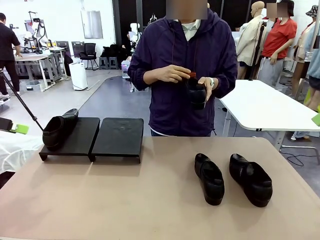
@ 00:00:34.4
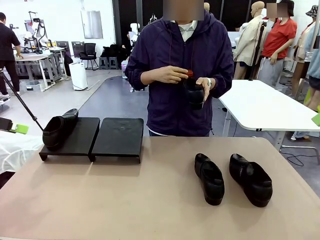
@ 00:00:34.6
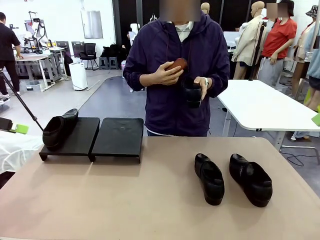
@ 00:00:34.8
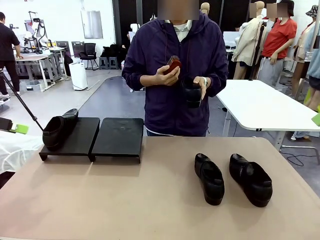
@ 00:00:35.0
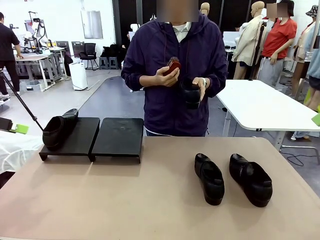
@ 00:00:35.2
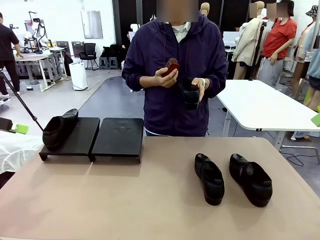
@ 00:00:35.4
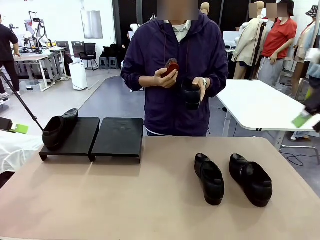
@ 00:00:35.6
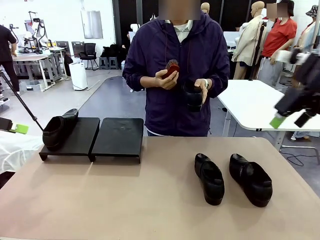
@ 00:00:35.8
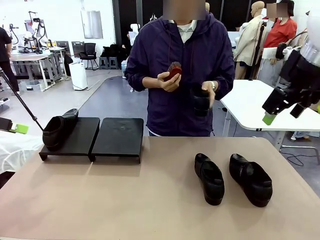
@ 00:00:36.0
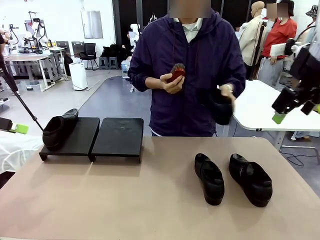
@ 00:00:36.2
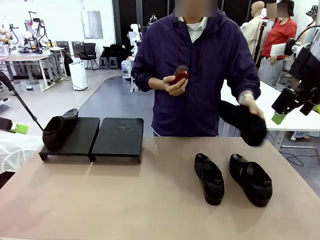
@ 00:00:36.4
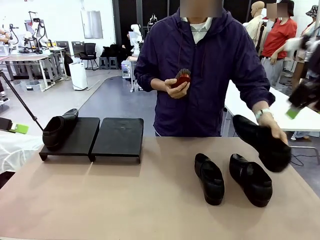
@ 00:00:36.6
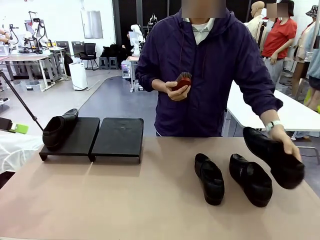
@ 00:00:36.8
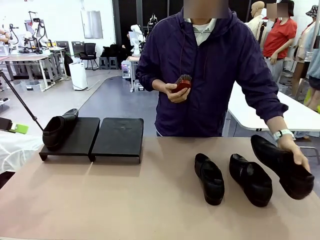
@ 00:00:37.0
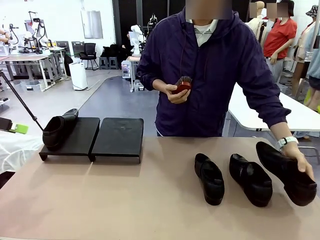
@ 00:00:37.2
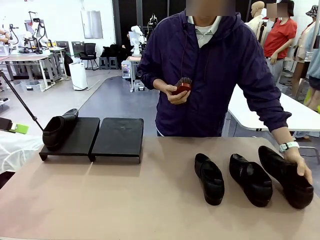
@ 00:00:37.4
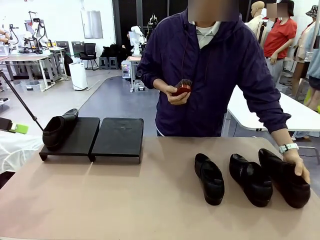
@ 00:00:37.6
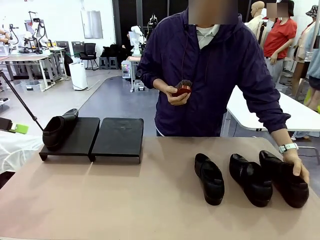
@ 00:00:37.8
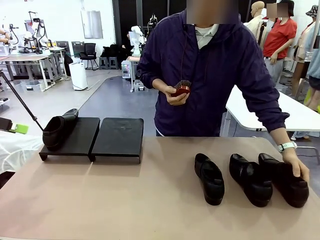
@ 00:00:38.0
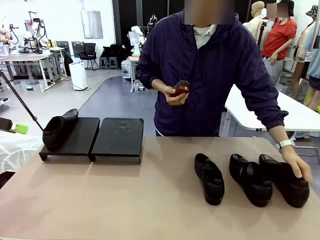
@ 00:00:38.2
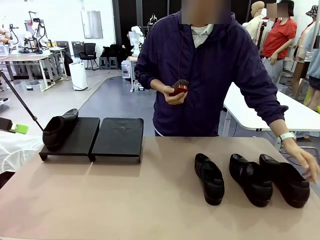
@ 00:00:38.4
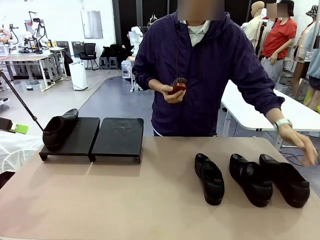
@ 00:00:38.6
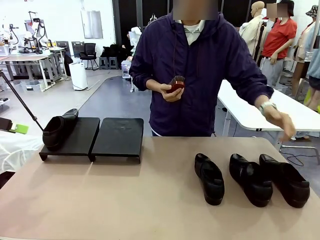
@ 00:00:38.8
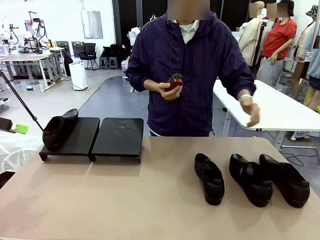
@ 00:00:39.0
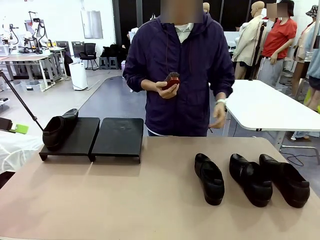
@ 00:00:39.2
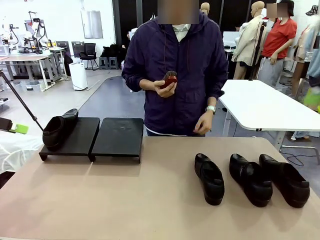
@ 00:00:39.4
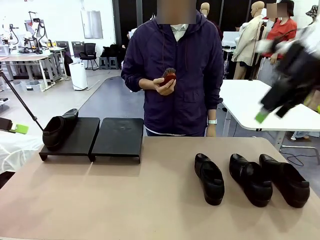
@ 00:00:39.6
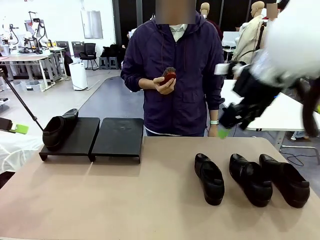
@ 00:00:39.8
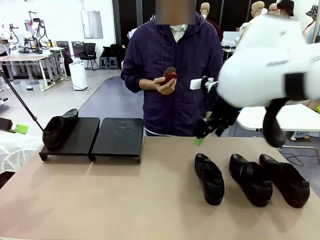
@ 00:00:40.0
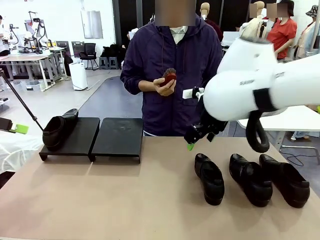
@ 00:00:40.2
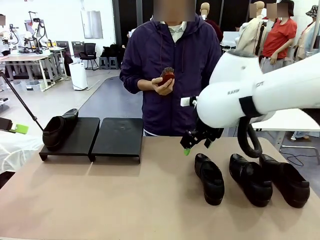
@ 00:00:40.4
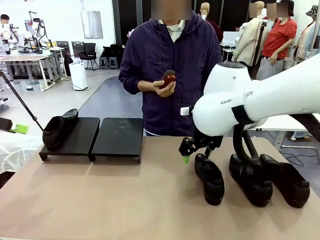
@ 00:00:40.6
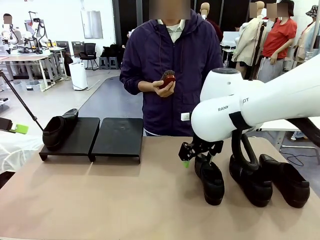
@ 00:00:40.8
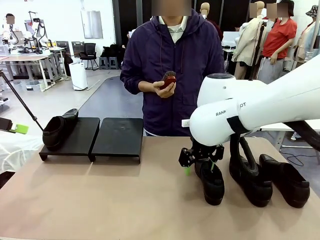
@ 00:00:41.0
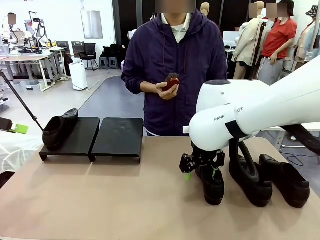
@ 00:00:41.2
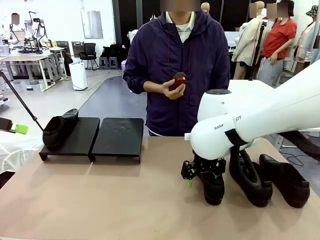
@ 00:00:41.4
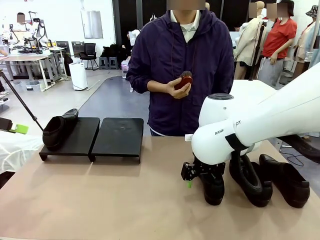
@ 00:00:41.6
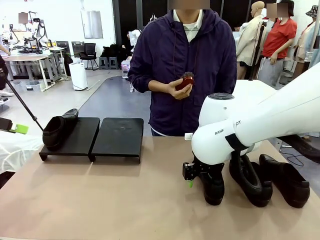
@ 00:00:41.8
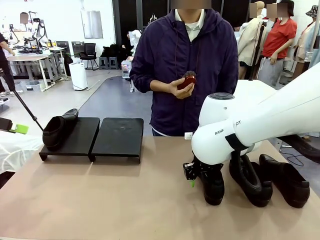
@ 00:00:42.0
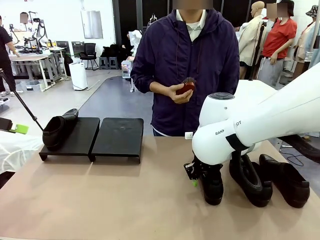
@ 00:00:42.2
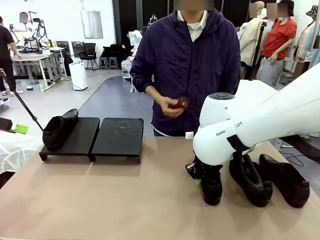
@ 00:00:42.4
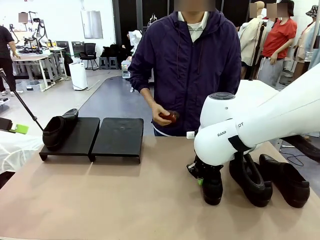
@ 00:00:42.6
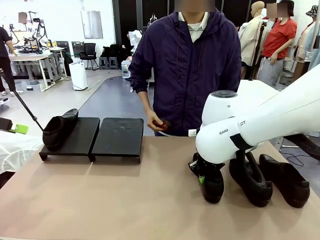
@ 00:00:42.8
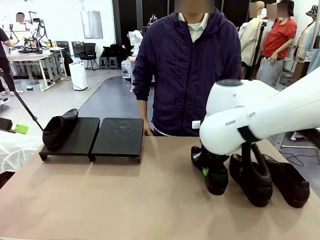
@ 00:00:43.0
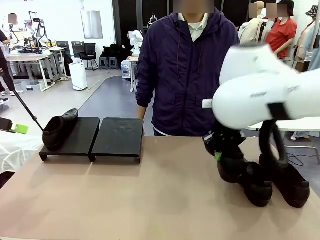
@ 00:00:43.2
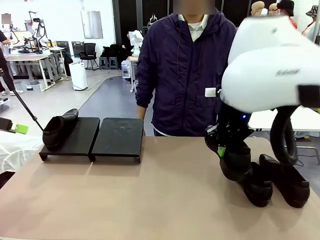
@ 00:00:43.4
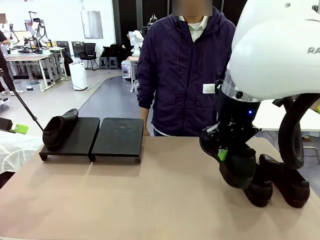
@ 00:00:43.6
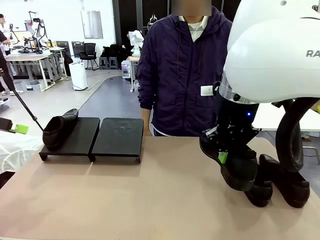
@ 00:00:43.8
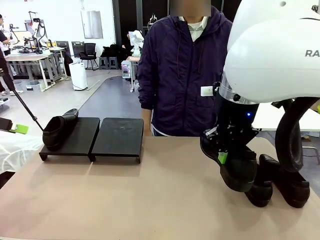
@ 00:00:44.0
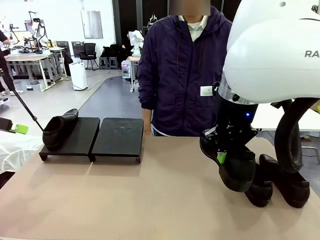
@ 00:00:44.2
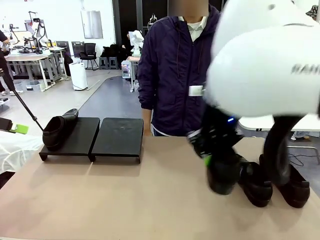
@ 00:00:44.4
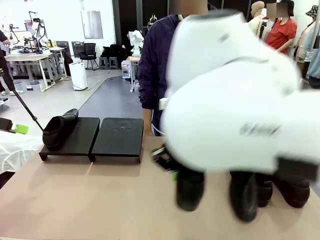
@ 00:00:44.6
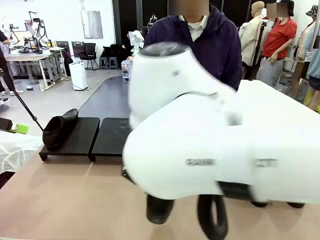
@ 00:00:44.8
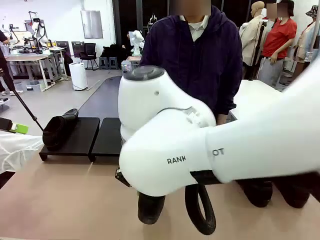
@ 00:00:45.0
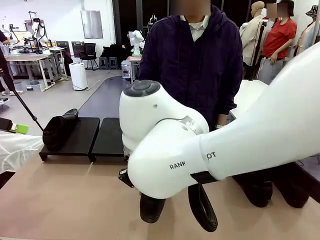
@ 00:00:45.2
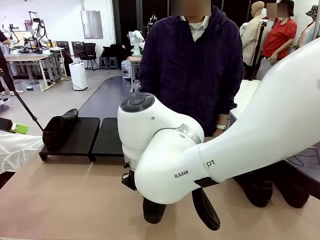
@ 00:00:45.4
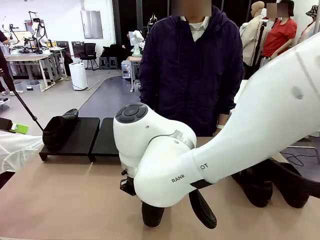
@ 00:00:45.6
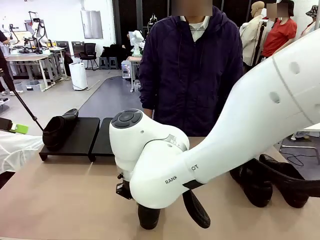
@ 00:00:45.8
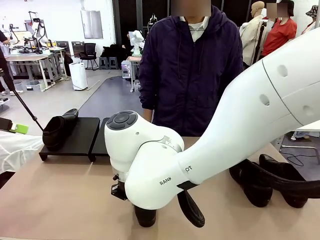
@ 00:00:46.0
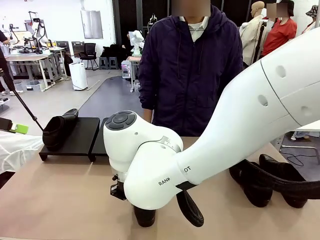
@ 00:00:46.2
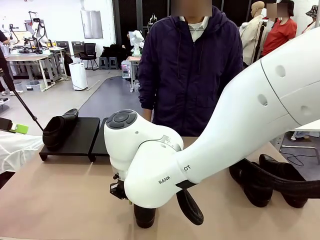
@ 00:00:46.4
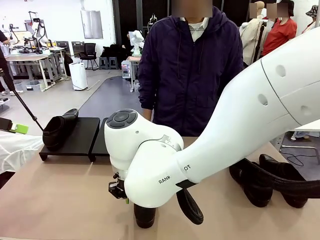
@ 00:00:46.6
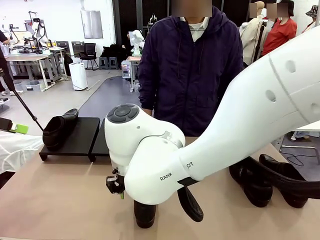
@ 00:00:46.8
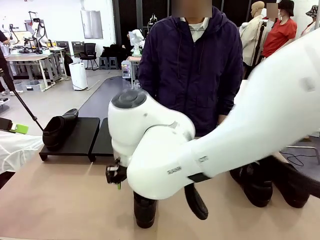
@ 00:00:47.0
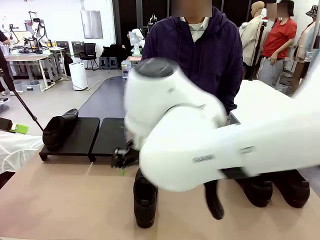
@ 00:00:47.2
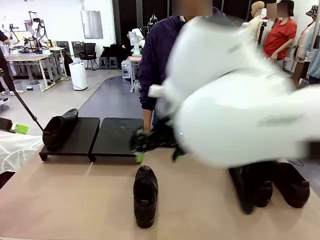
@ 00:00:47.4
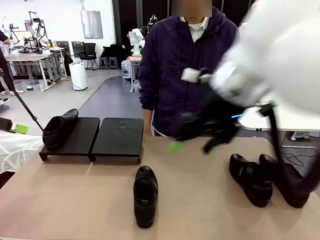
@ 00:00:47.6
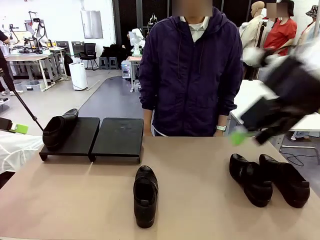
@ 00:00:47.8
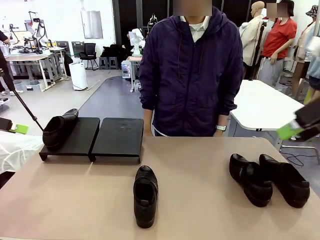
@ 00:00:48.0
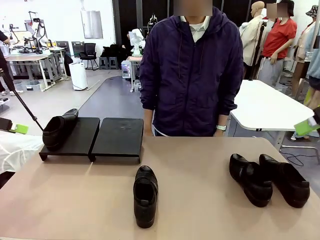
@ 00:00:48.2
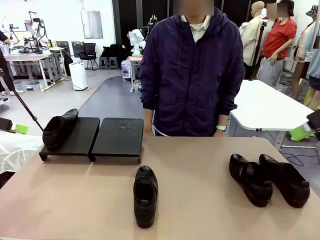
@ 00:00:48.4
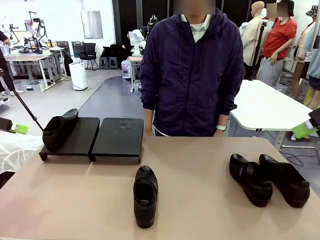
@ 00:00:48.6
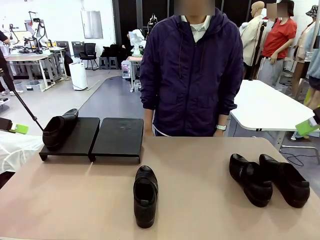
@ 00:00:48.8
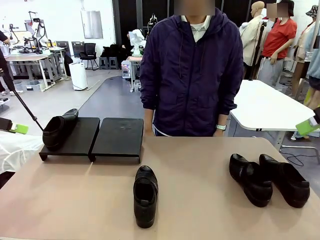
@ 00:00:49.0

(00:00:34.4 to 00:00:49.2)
Task: Organize the shoes by placing them on the stand.
Robot: Pick up one Shoe and place it in the middle of the table.

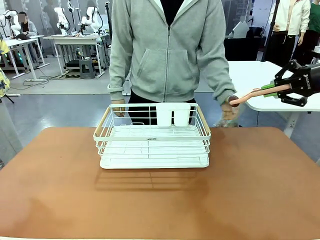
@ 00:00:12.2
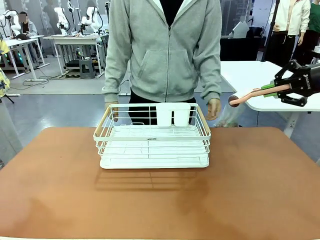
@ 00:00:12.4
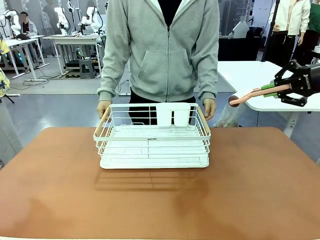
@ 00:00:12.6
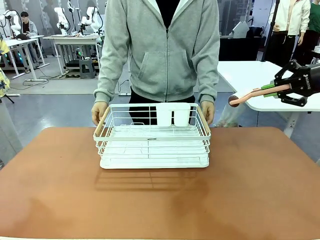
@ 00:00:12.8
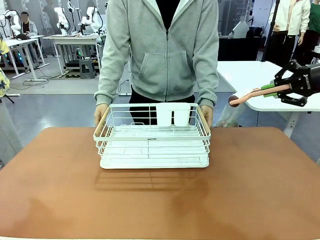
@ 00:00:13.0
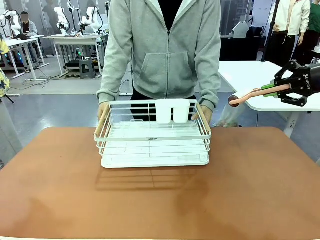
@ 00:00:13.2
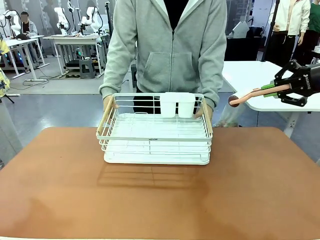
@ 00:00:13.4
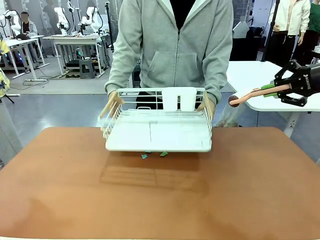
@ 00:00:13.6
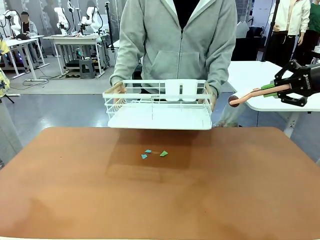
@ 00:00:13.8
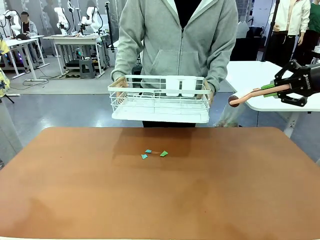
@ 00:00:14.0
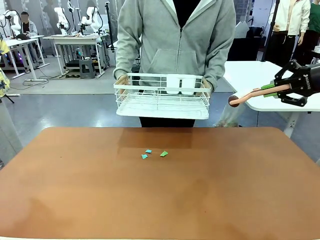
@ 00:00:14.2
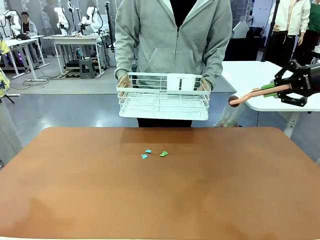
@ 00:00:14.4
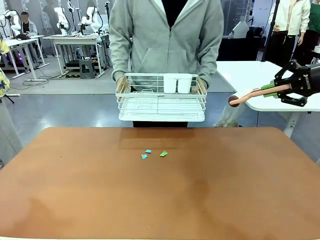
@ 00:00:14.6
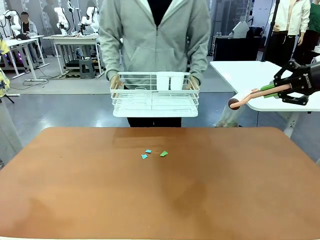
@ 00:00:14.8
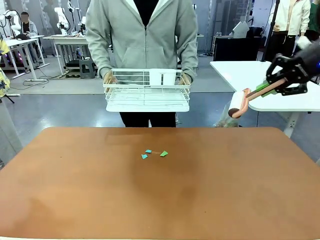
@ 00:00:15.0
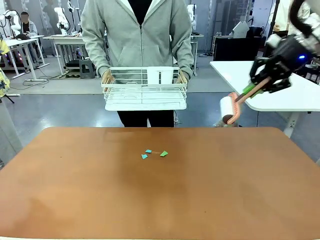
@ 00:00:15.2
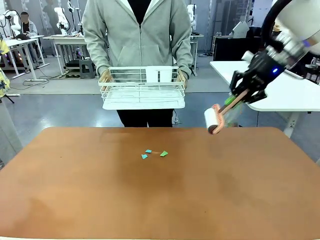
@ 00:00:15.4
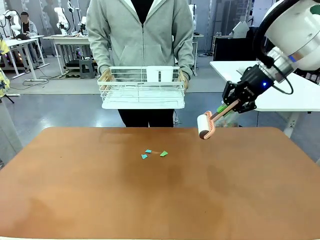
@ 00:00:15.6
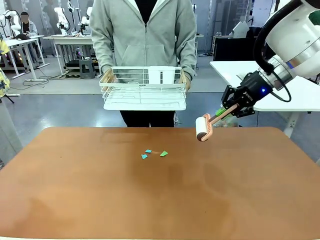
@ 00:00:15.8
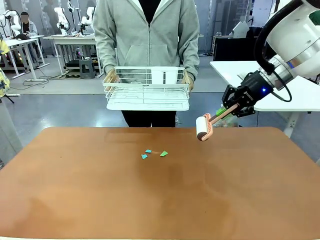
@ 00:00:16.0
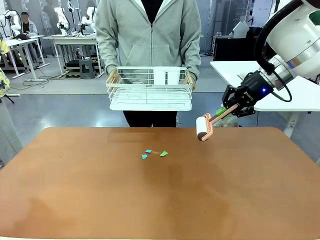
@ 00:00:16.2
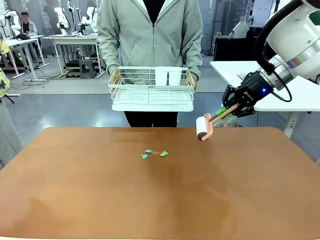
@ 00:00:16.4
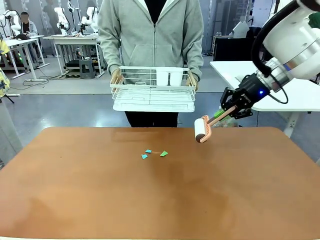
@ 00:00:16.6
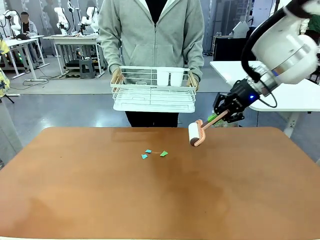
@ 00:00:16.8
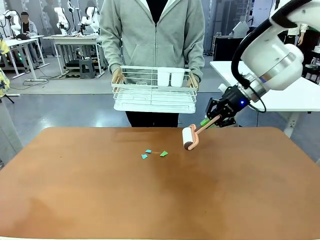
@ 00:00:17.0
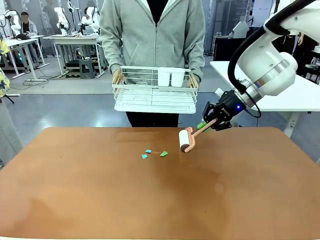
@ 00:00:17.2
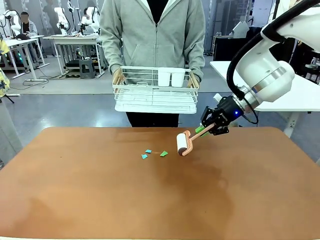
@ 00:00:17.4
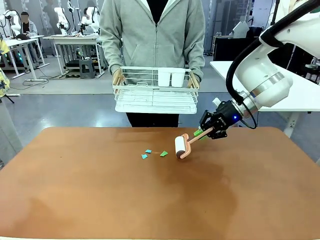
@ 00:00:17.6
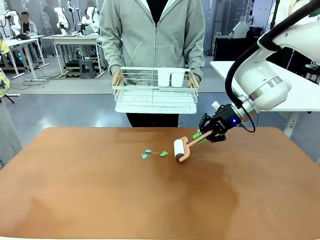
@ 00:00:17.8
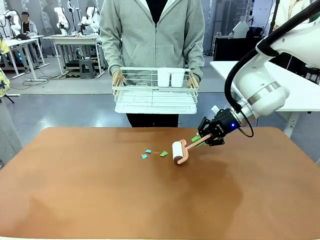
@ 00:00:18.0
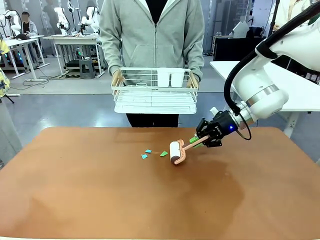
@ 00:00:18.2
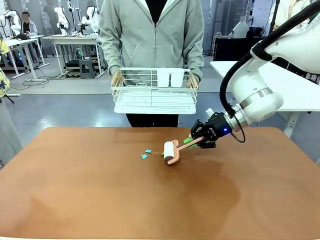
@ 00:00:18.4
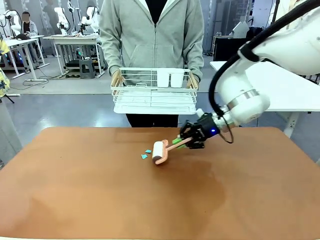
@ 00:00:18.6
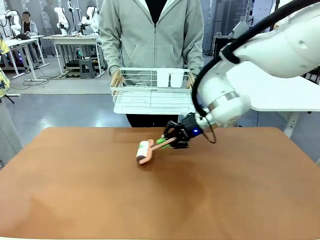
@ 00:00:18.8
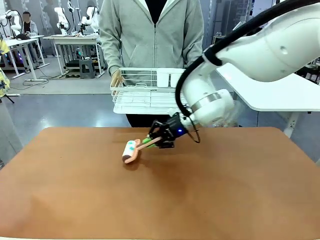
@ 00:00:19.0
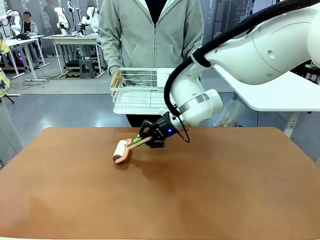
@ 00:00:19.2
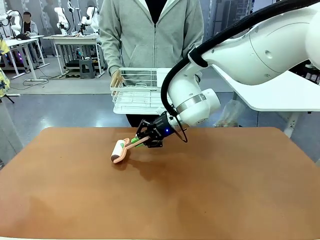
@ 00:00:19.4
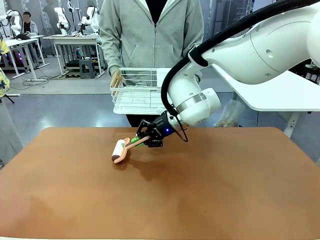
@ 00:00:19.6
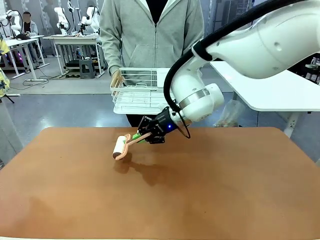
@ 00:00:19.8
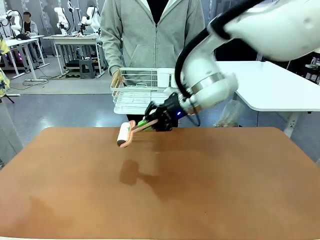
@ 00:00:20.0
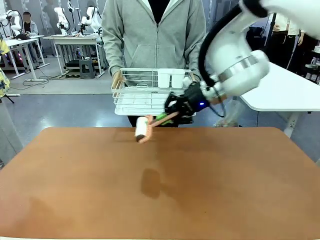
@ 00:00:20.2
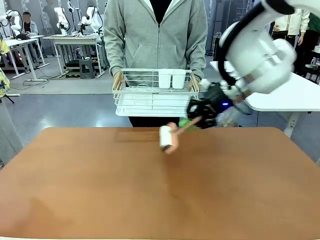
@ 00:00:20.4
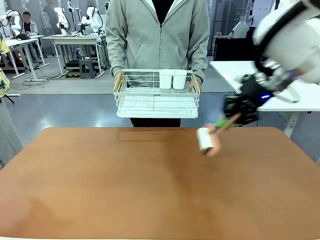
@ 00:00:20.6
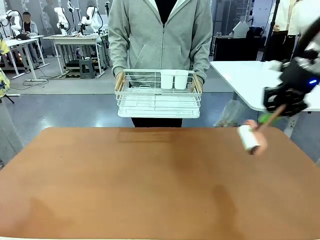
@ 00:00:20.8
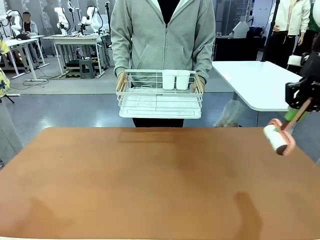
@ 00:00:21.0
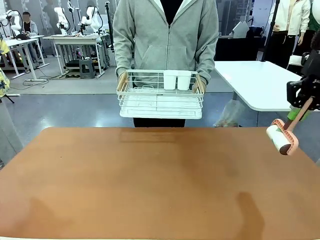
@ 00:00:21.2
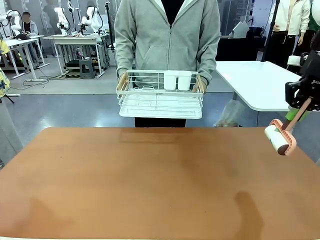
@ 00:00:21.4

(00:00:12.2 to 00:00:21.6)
Task: Clean the table.
Robot: Clean the table with the Lint Roller when the human lifts the Dish drying rack.
